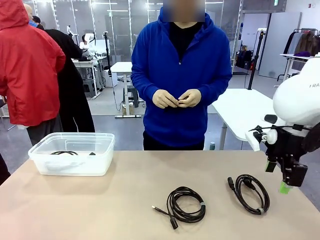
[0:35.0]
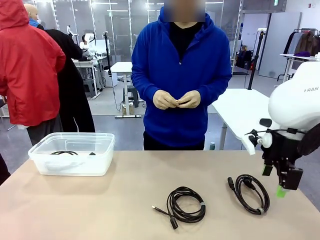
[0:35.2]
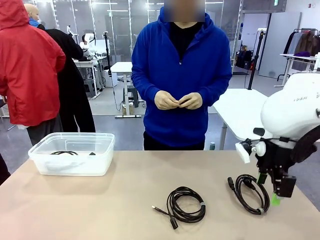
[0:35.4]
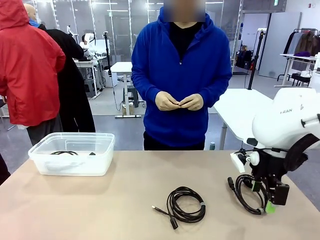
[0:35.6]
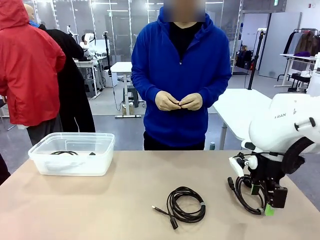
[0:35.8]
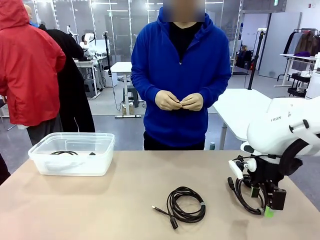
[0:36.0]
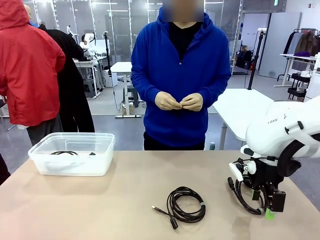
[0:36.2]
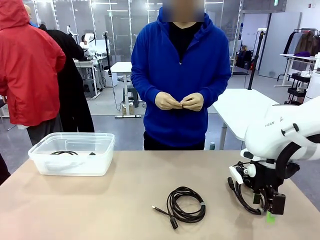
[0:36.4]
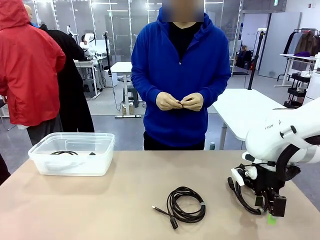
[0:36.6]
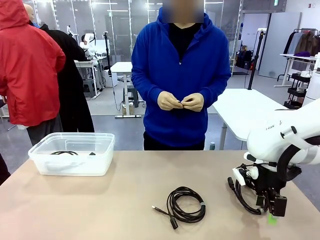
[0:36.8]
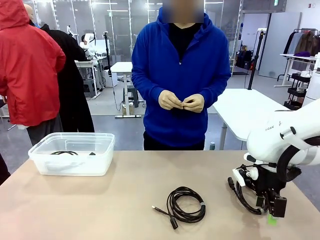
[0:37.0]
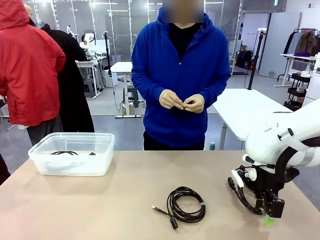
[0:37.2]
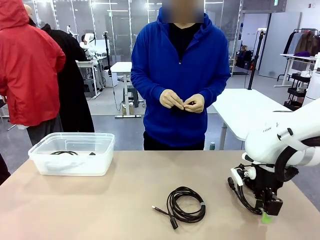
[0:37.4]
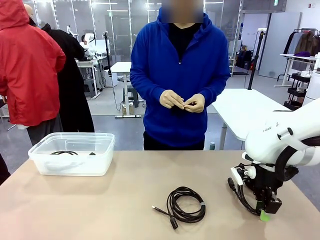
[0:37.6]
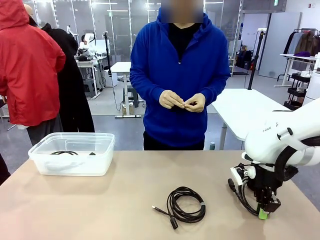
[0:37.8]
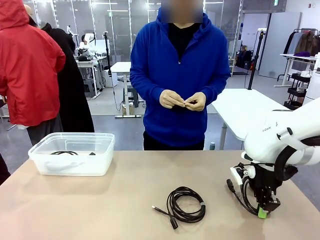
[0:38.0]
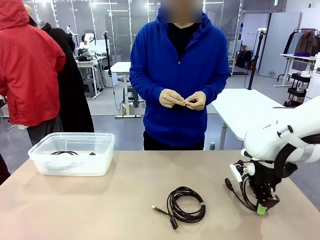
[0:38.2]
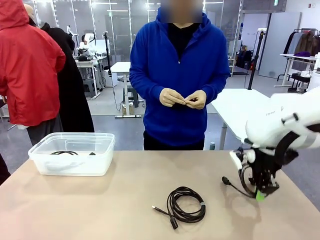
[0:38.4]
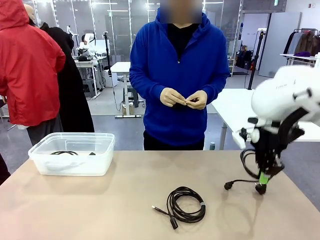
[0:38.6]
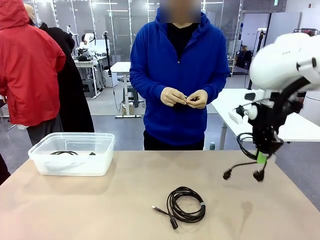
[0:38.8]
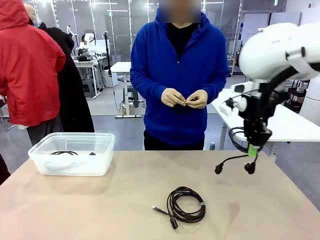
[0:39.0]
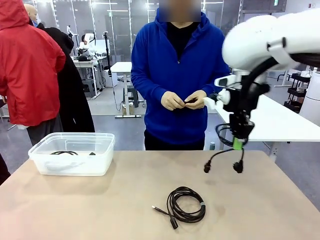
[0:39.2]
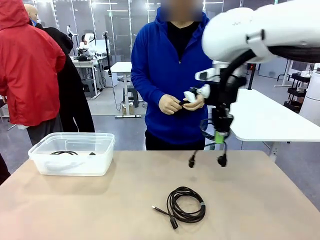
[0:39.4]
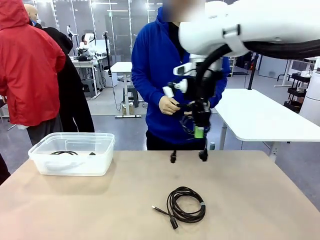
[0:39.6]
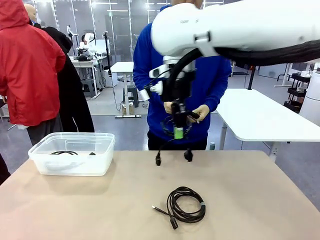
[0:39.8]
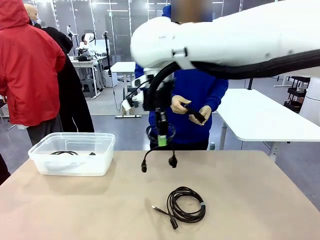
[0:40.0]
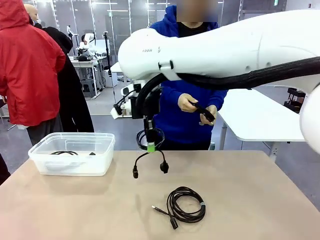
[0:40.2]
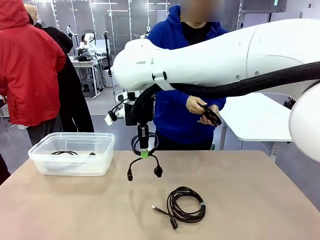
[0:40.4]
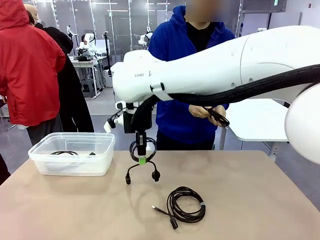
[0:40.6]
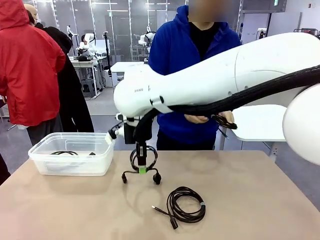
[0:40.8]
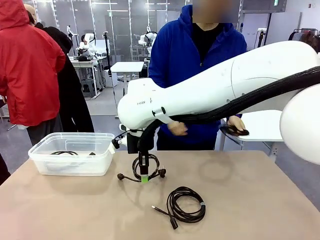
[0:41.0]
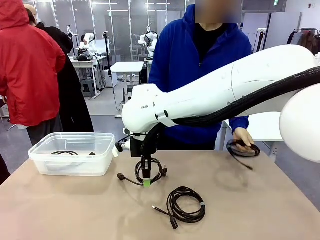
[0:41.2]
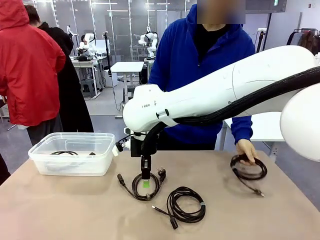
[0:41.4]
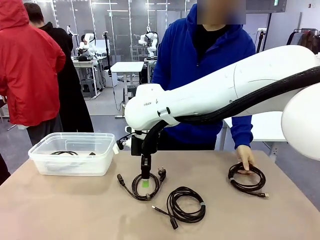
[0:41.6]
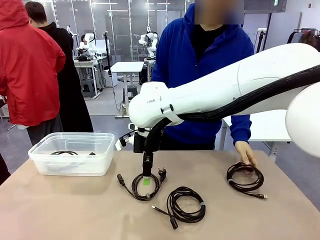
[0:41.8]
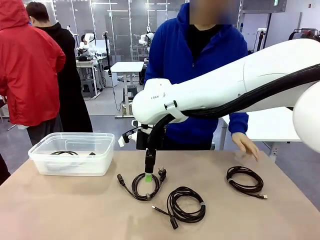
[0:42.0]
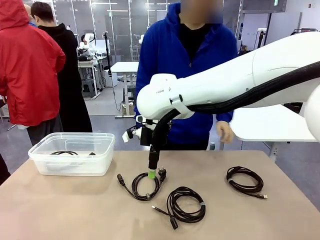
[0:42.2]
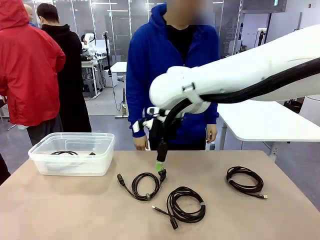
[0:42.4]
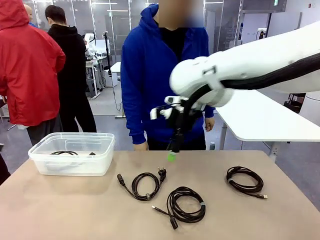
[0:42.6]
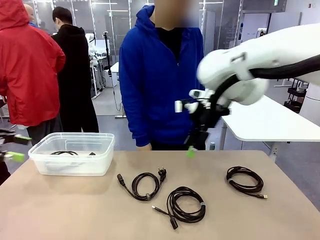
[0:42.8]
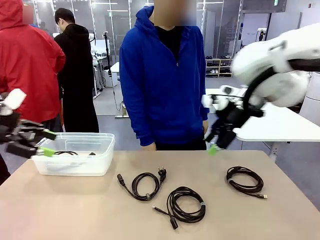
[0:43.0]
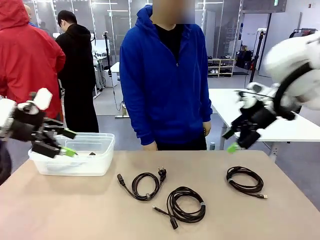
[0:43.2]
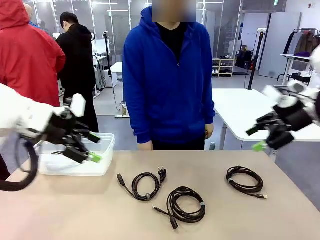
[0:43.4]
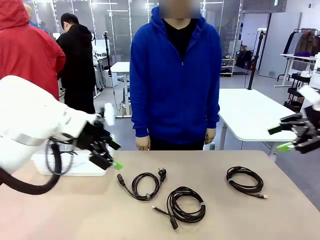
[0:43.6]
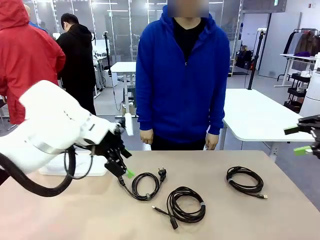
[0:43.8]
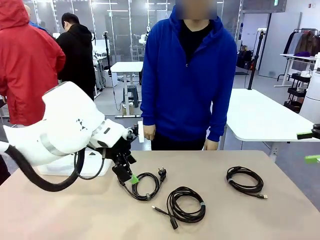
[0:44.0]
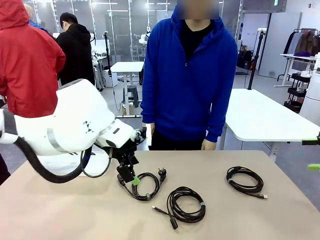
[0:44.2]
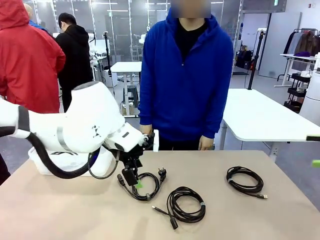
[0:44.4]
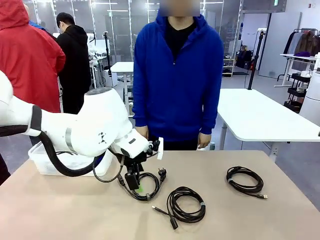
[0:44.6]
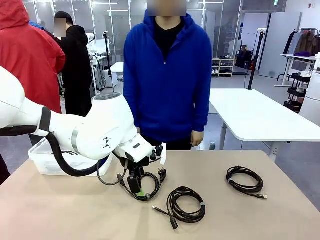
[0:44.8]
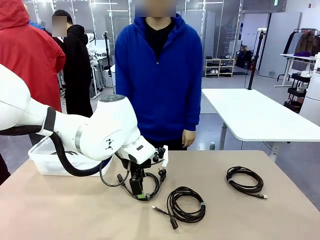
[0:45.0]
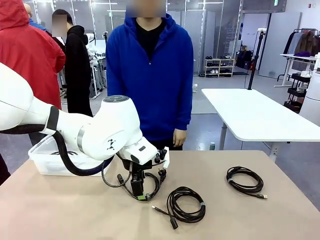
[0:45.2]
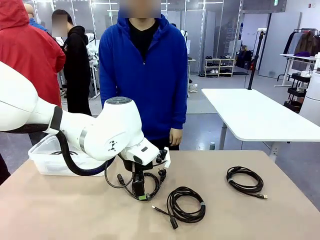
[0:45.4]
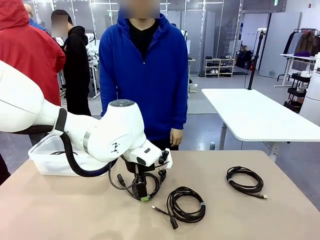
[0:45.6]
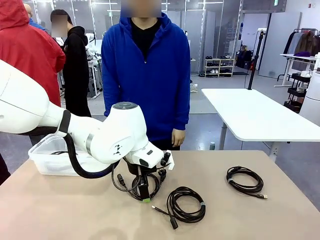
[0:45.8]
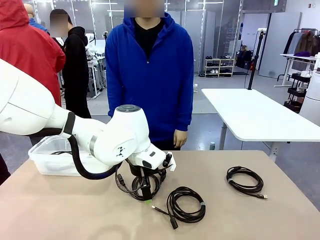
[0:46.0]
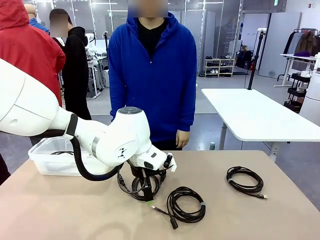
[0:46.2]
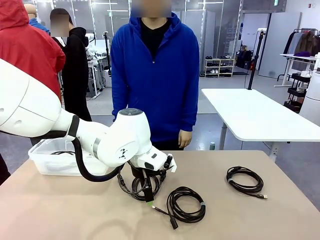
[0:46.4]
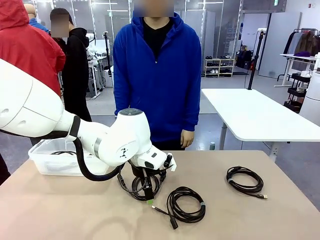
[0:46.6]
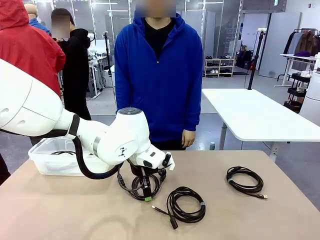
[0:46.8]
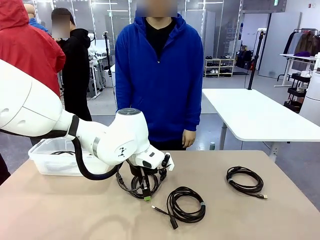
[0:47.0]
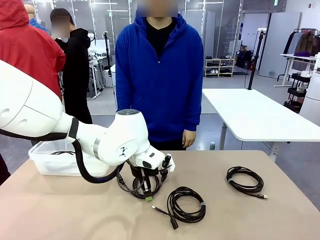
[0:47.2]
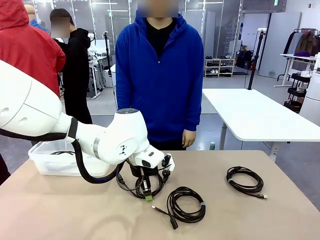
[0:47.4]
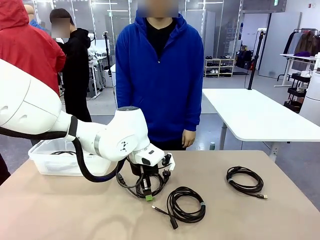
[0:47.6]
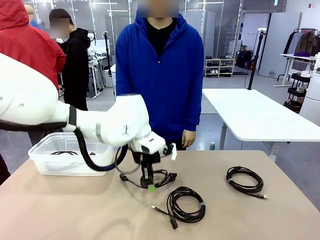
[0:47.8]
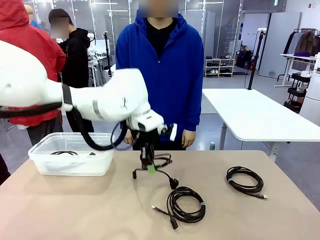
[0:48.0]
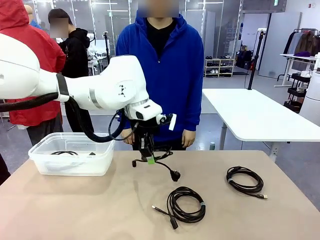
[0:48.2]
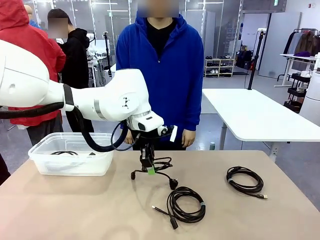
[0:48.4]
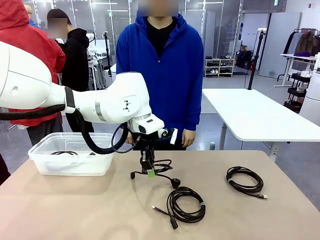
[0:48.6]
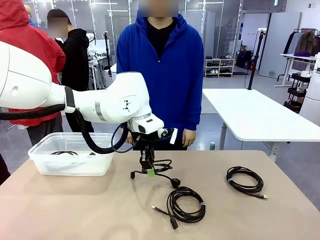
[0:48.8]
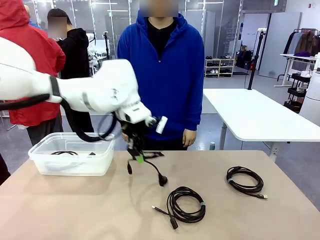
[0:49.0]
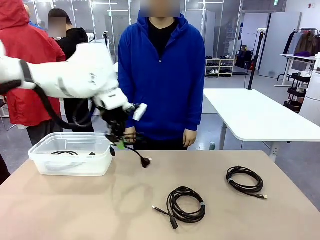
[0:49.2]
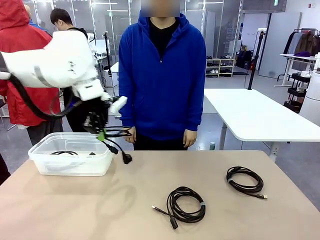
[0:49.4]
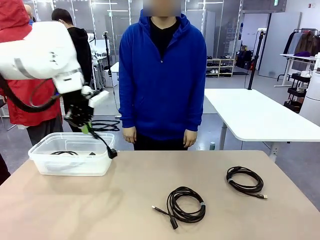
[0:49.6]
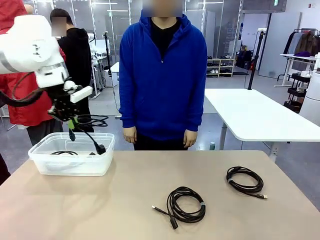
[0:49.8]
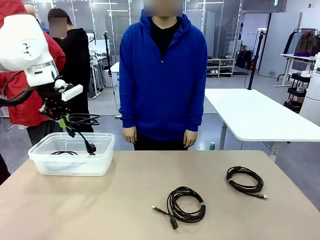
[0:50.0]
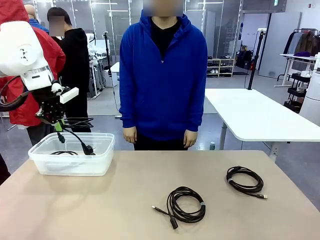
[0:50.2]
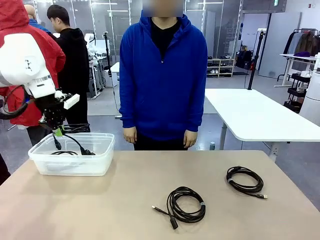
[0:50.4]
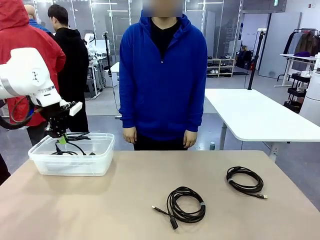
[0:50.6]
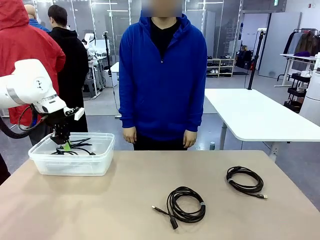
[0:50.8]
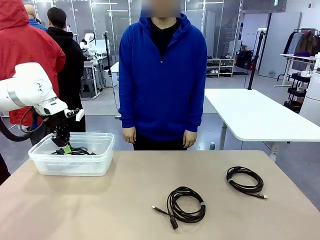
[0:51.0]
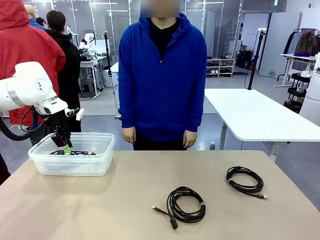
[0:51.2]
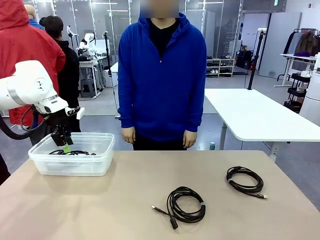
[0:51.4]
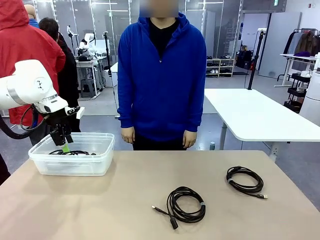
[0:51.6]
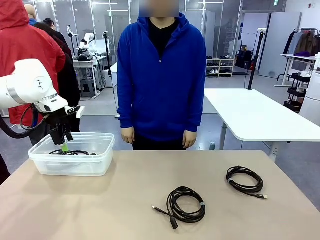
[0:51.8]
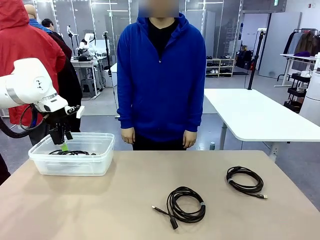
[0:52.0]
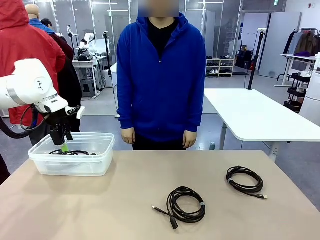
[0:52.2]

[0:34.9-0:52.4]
Task: Organize and store the cables.
Robot: Place the Power Cable into the Organizing box.
